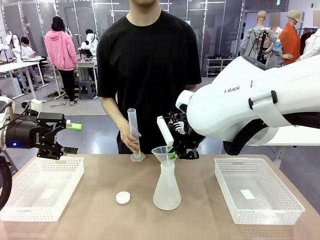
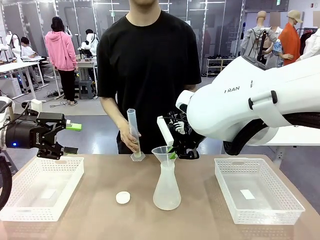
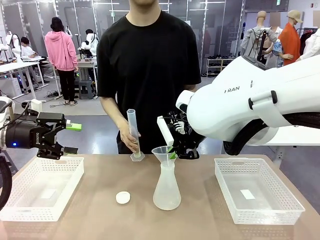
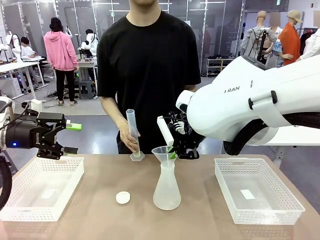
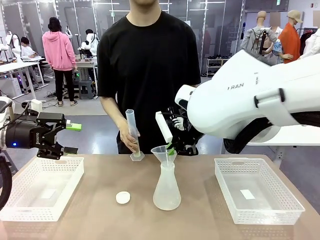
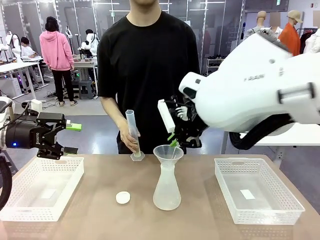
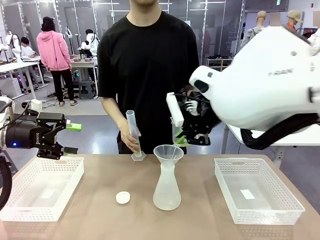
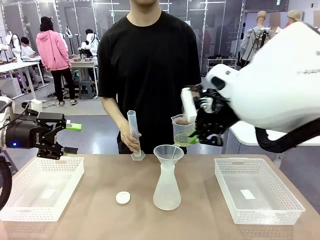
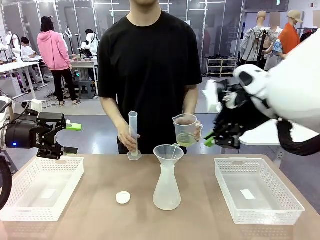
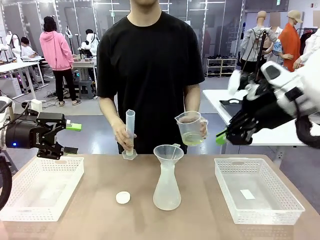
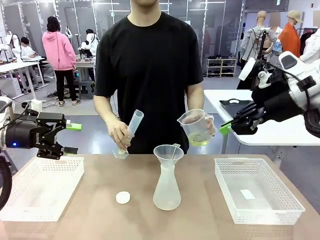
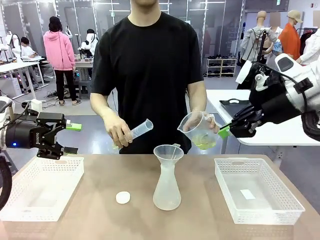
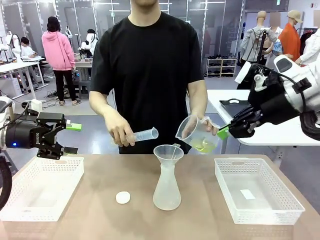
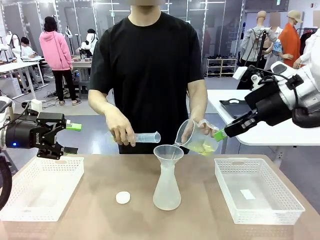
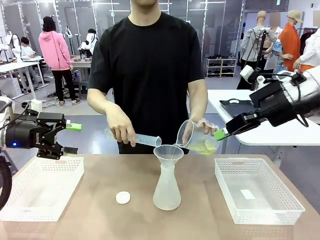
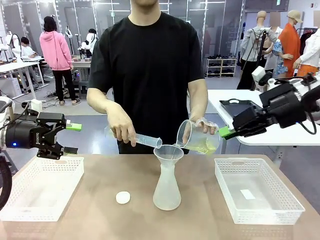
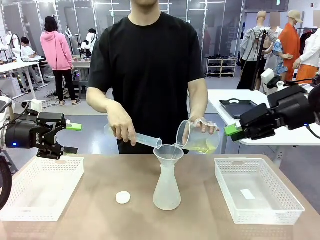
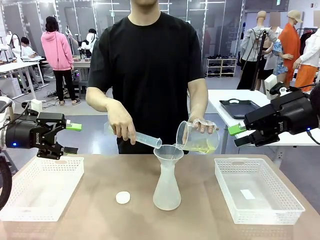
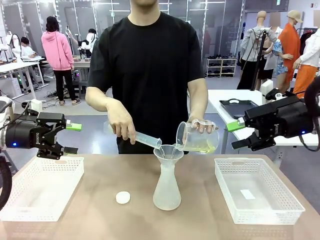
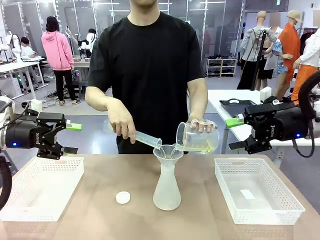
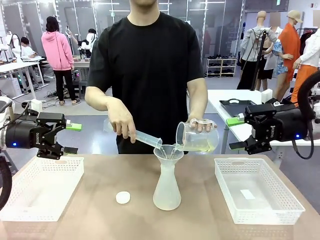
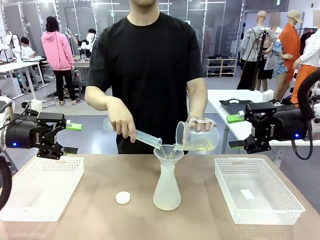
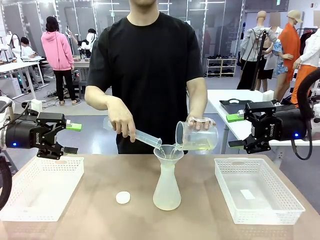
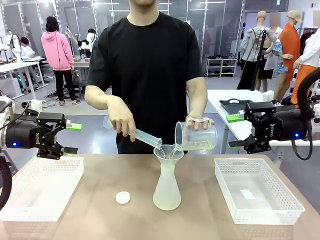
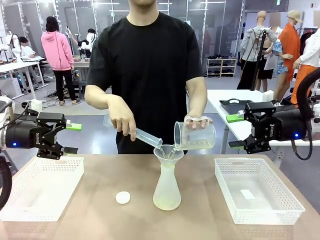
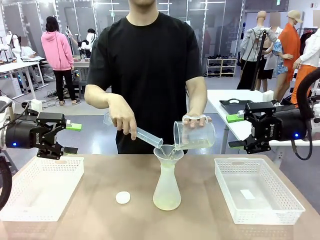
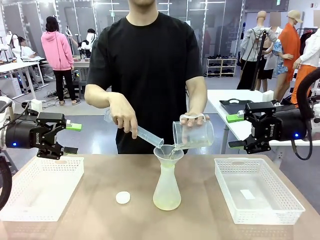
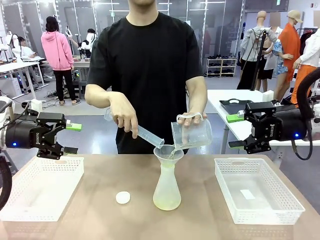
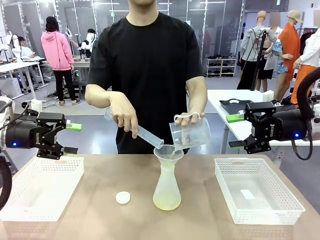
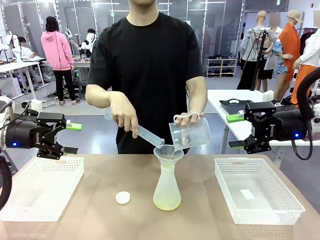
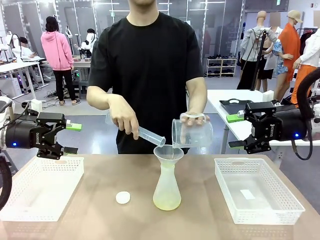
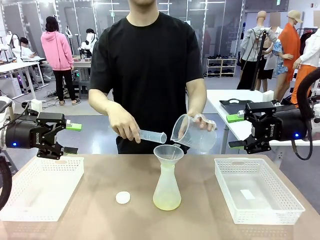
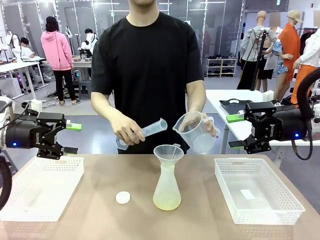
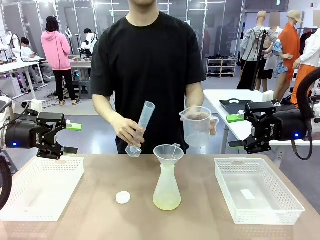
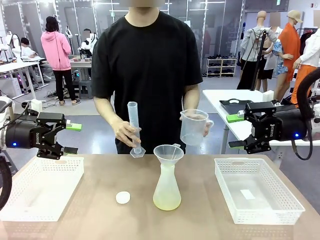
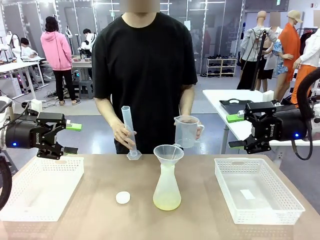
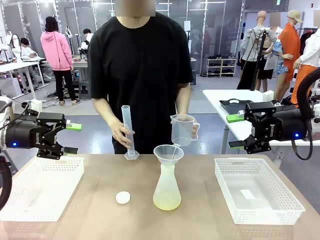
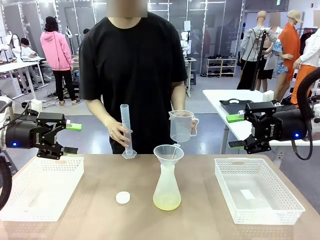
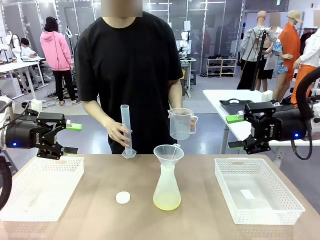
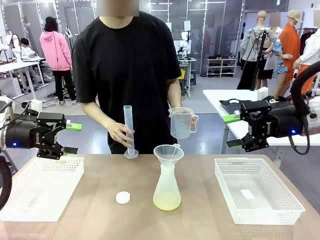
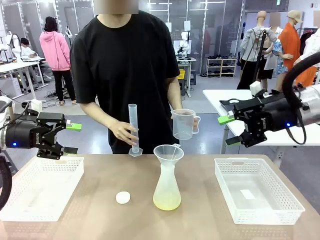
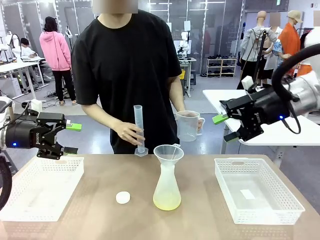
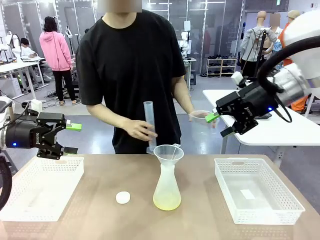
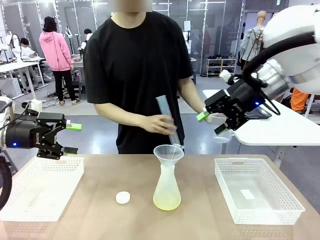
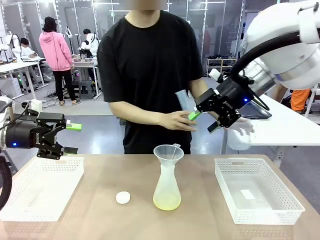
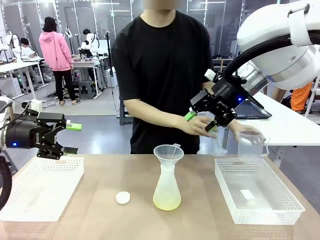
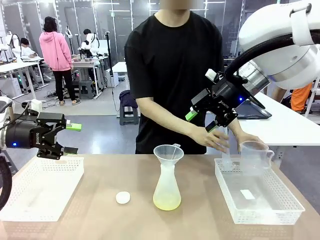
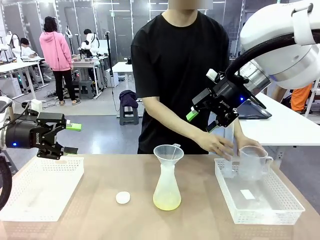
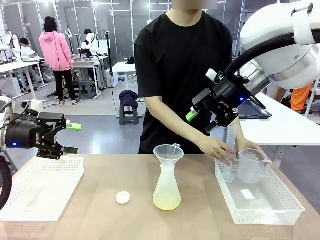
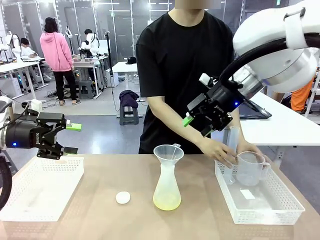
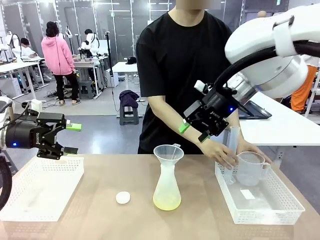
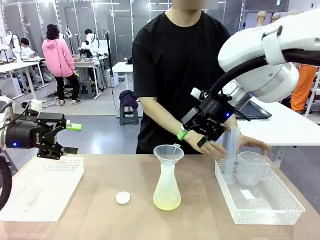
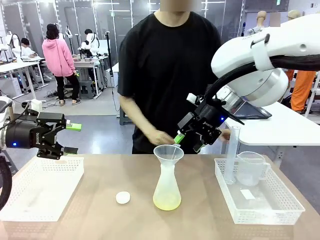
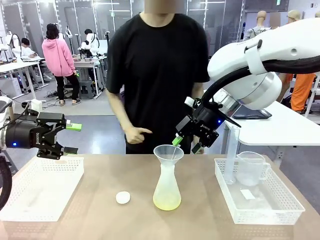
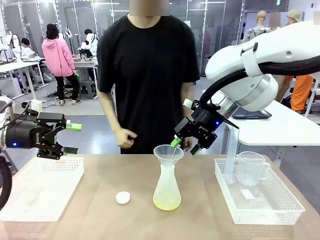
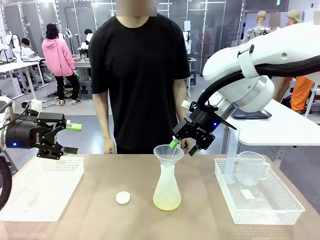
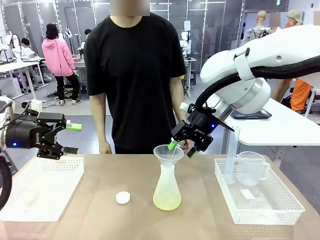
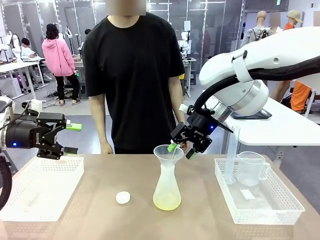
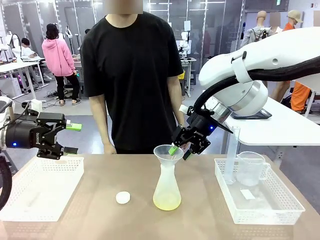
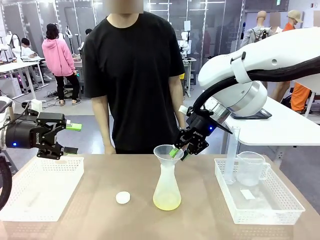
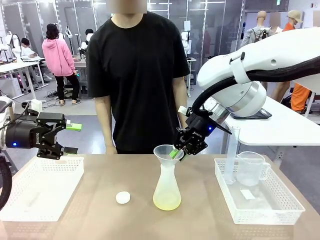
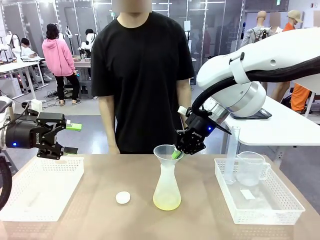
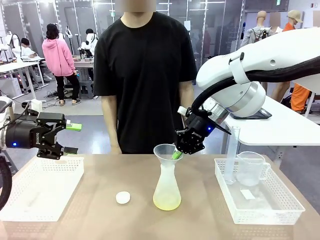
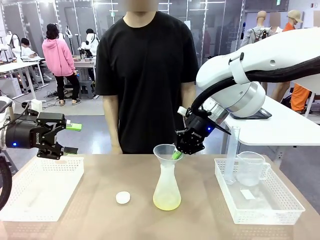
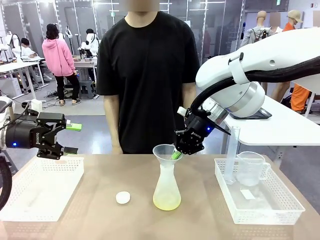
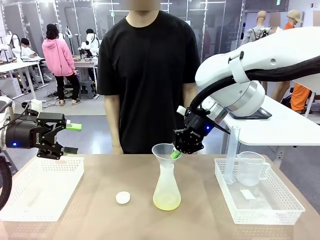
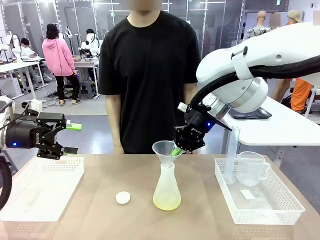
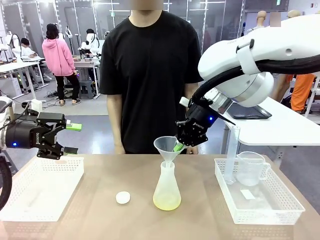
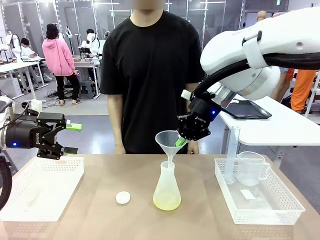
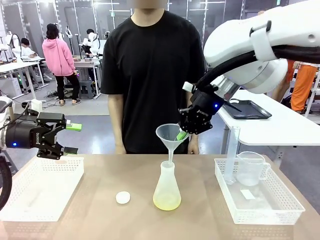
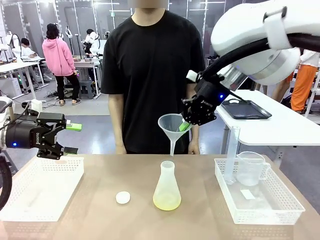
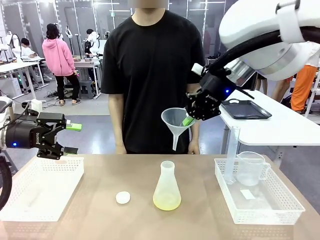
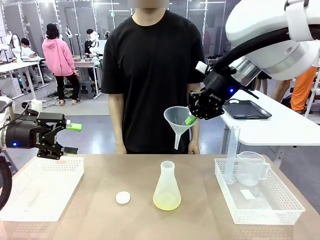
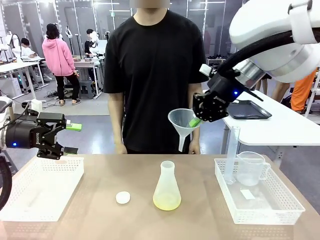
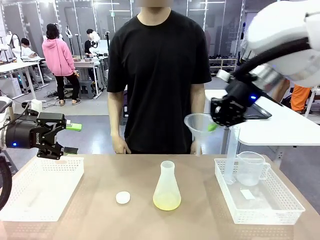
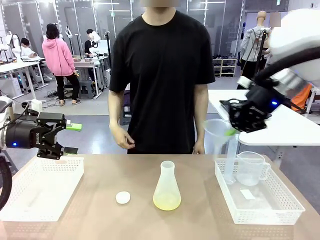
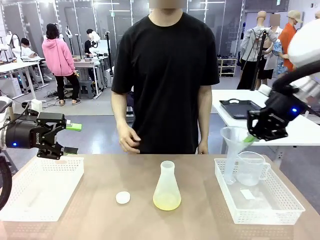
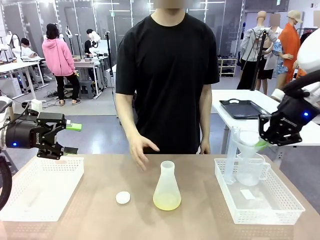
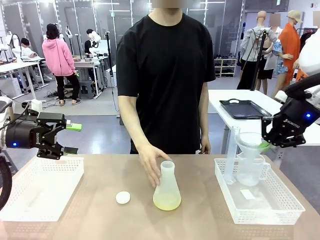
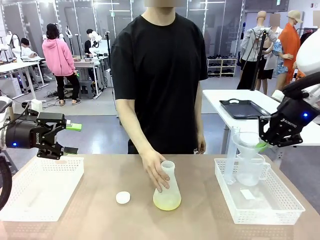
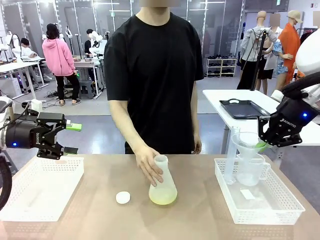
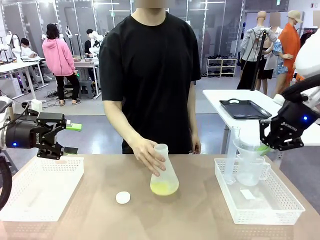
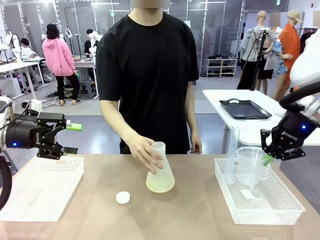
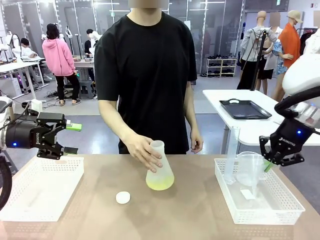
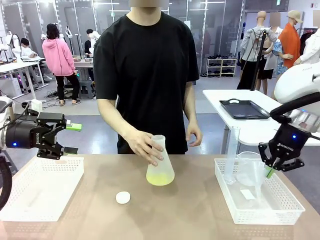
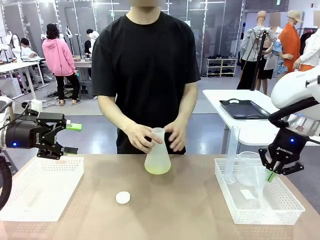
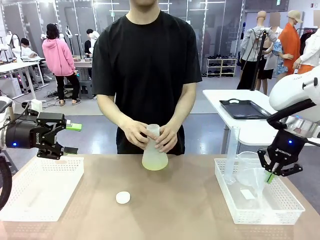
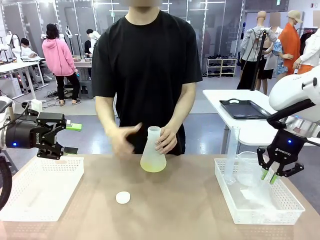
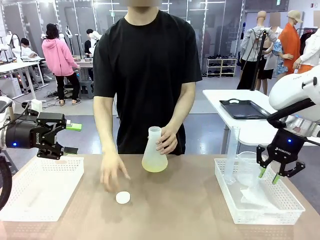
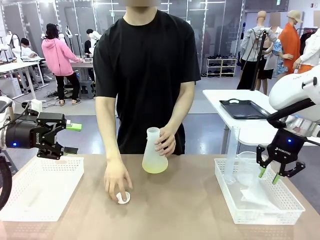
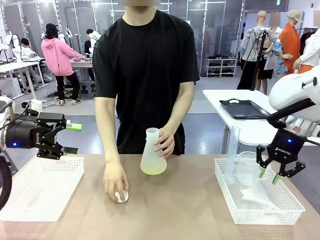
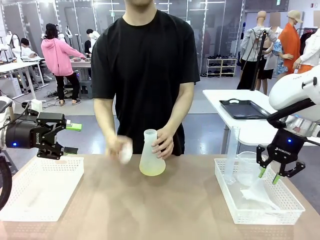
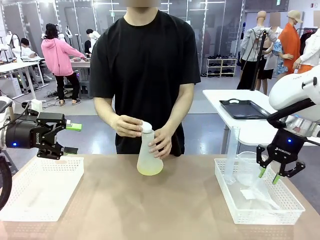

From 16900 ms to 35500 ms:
Task: Prepare the solutions needed for the experiment.
Robot: Once the solution is in the Big flask , pick up the Plastic Funnel and place it back into the right Organizing basket.
Person: Place the beaker and the cylinder into the organizing basket on the left side. Pick up the flask, gently shake it 2–3 times, place it in the middle of the robot table, and close the lid.
